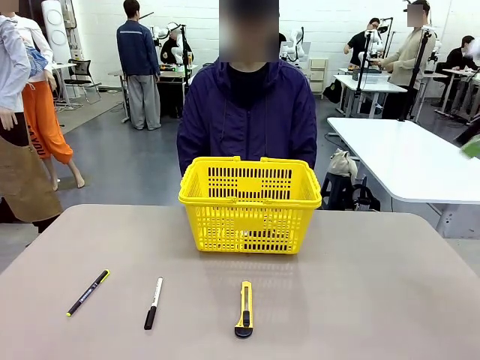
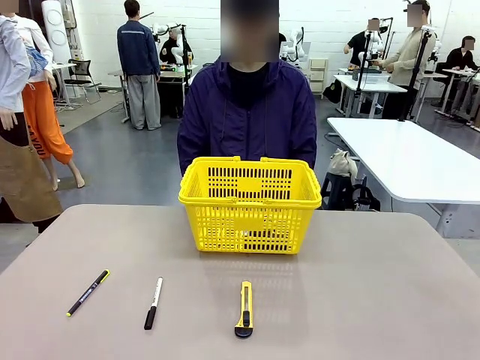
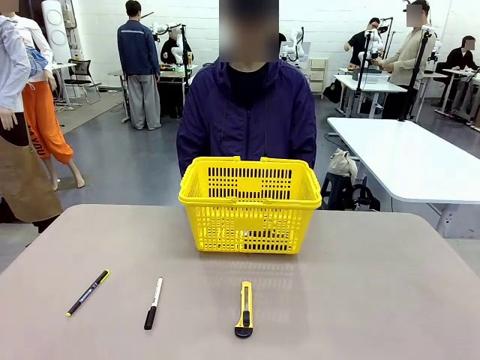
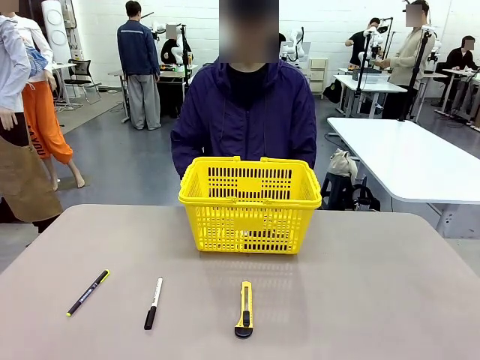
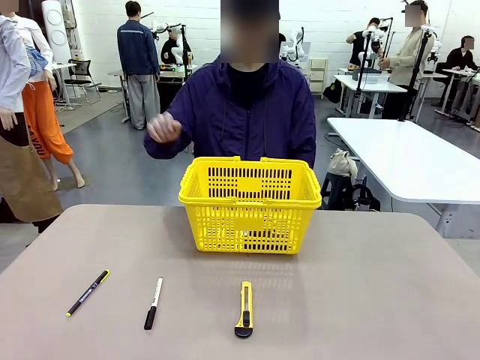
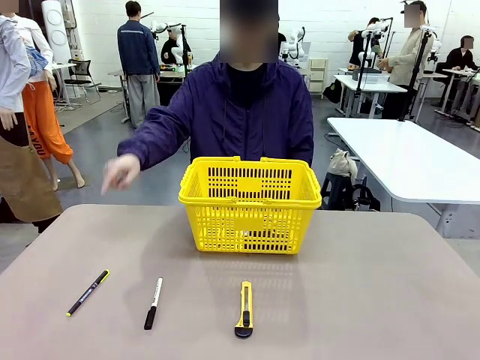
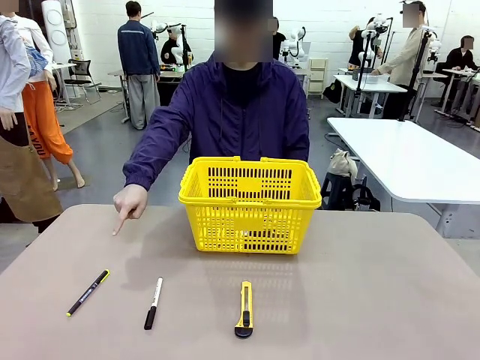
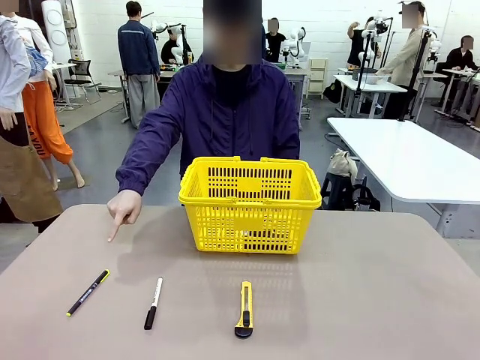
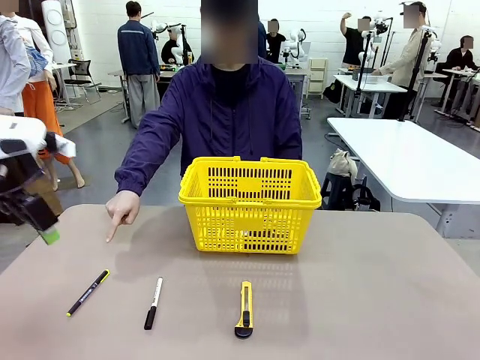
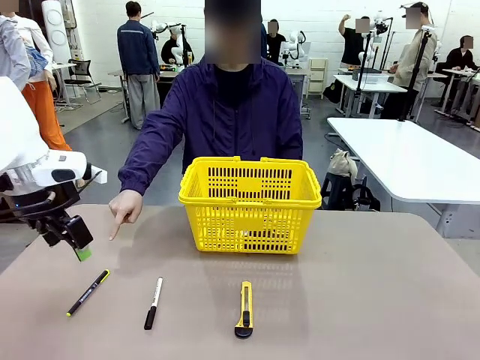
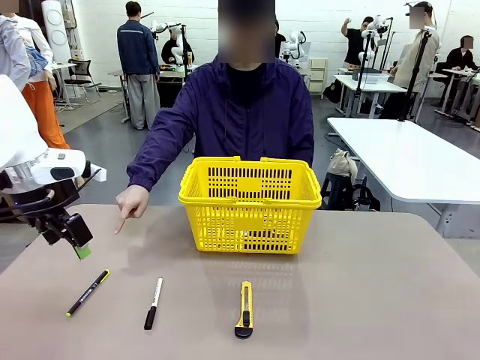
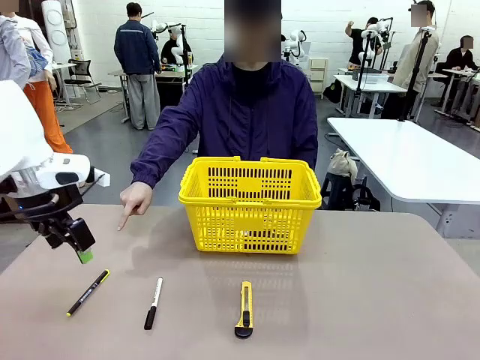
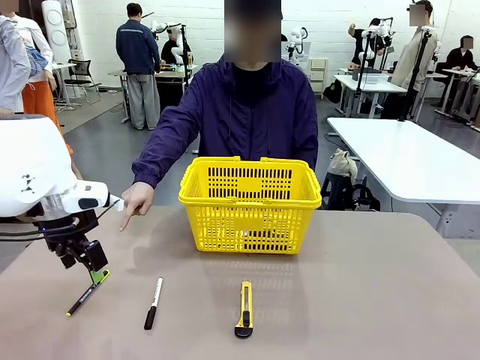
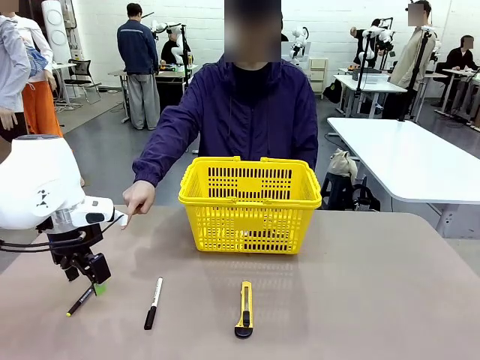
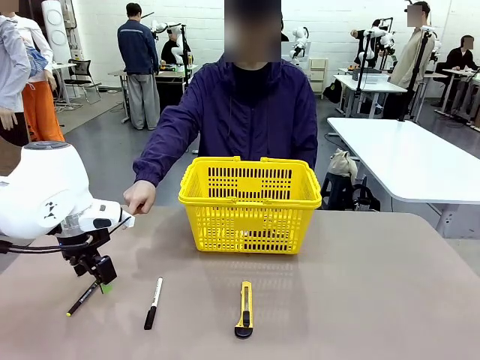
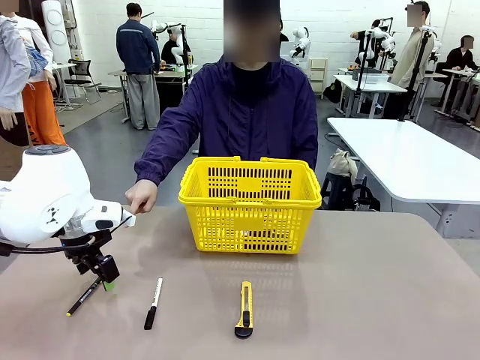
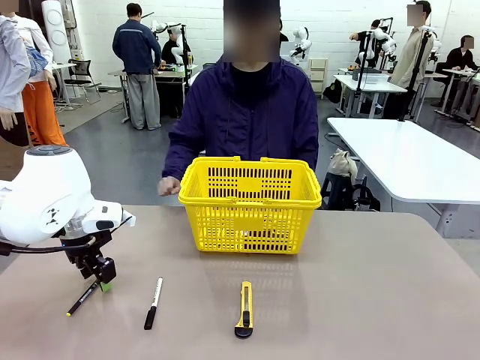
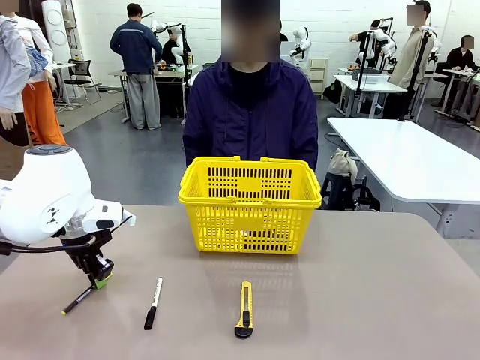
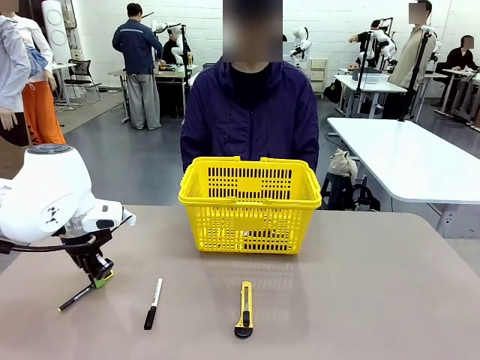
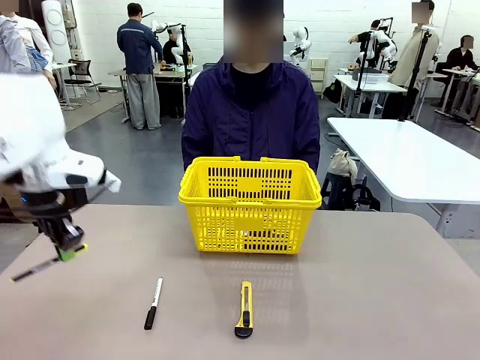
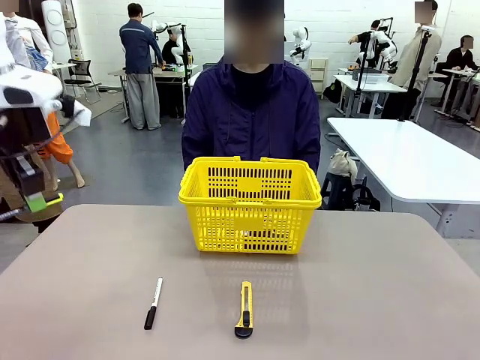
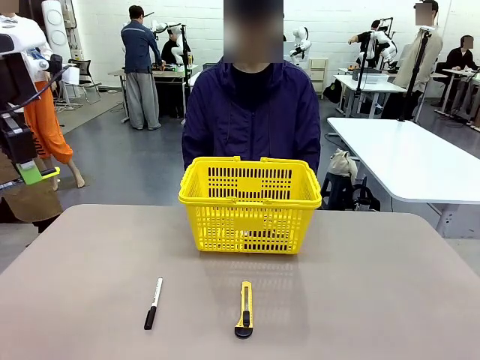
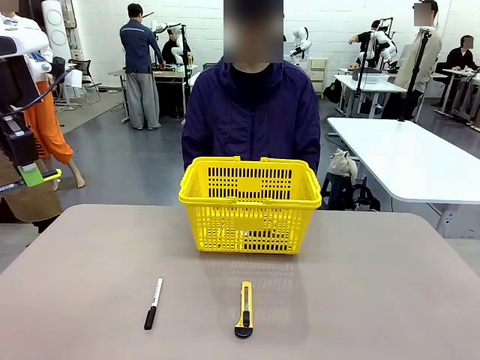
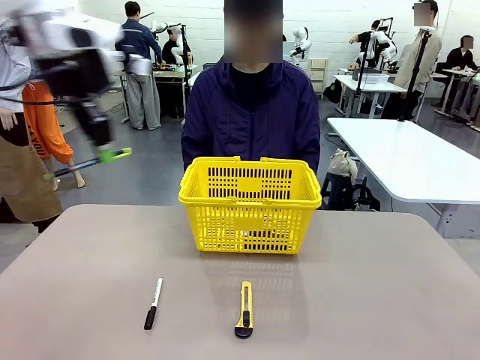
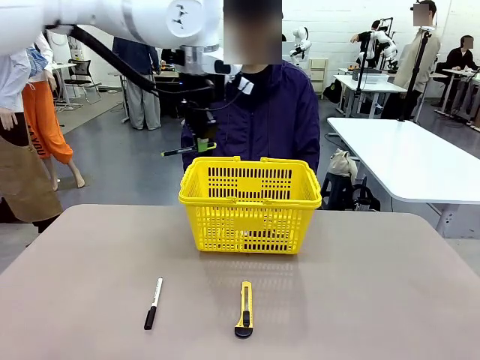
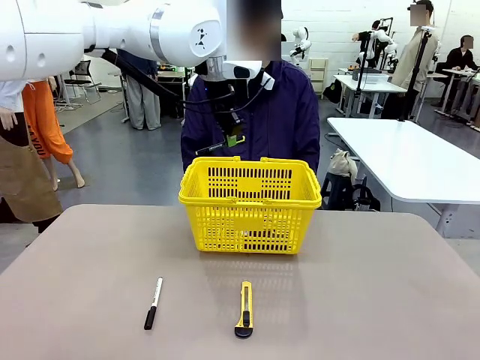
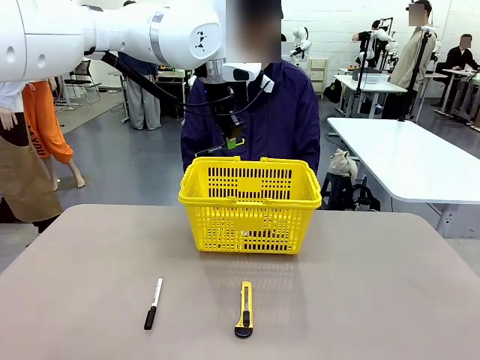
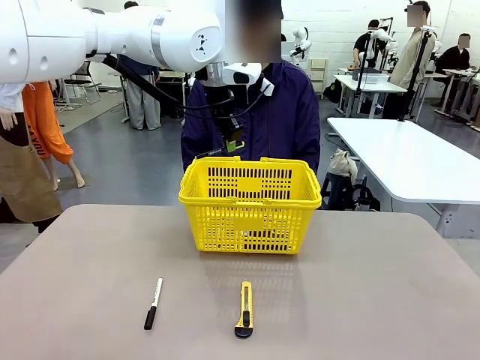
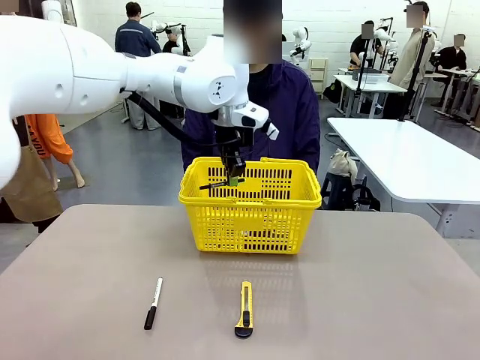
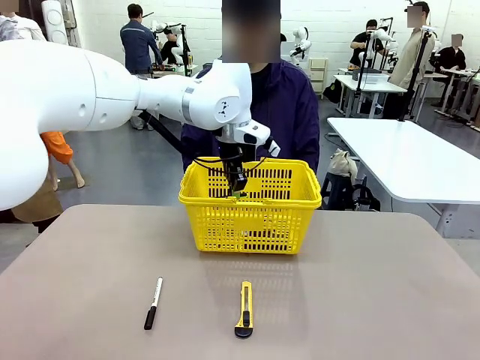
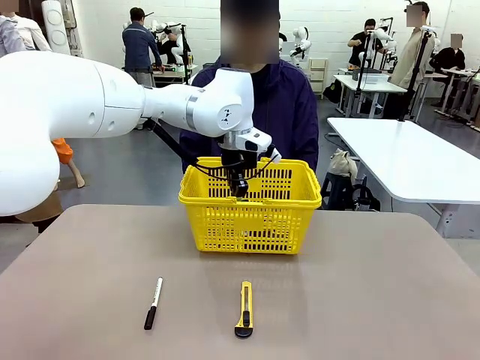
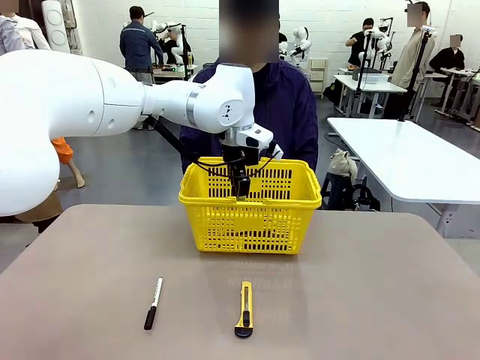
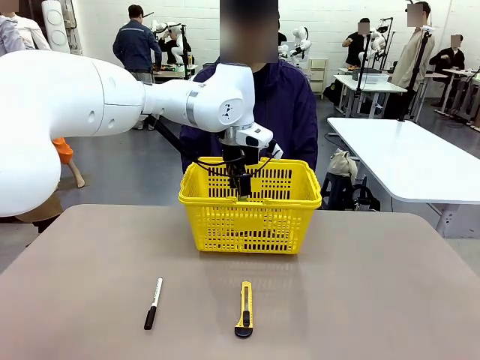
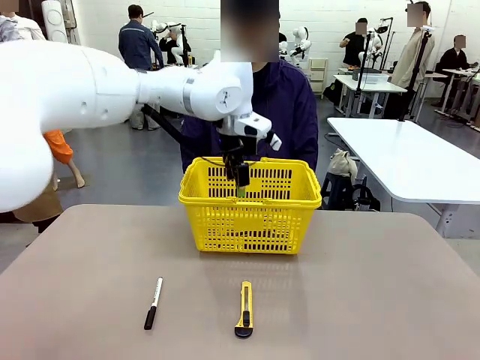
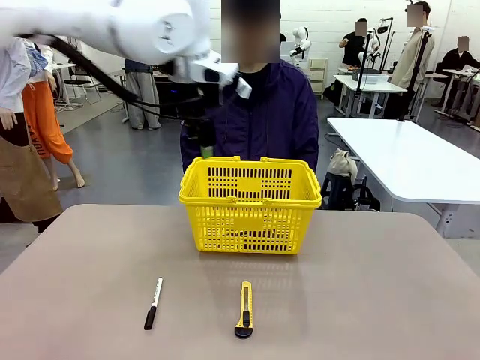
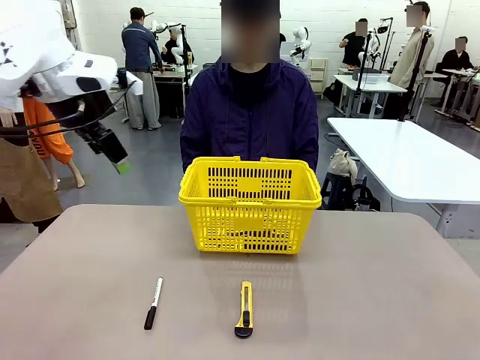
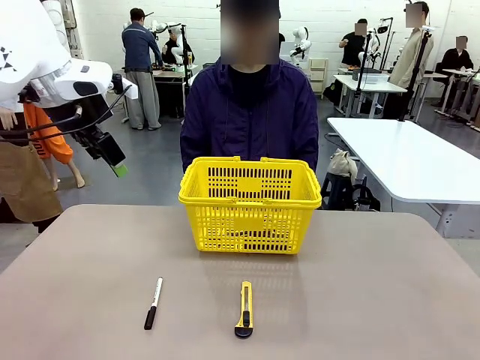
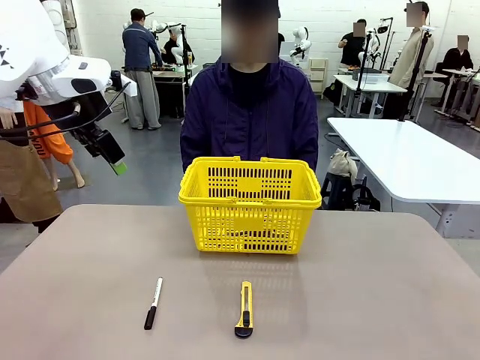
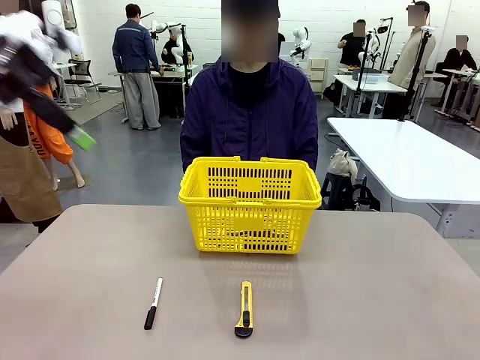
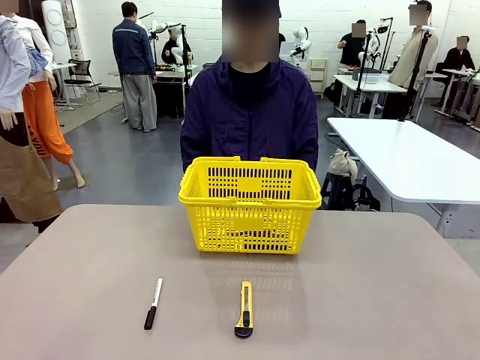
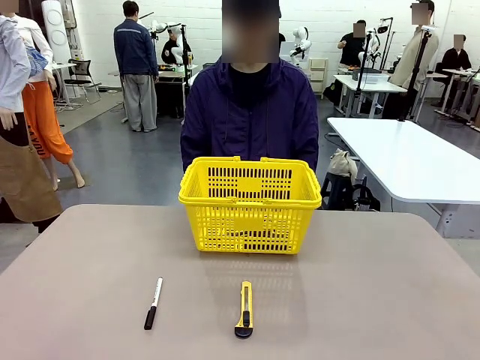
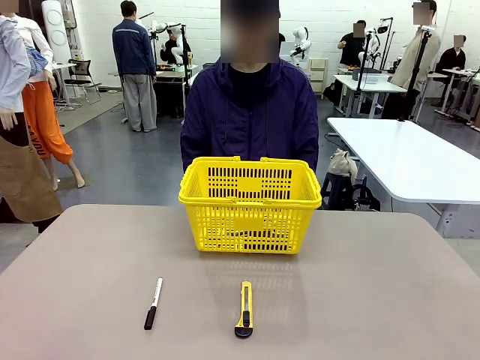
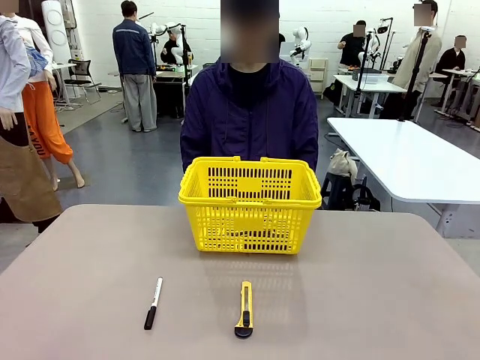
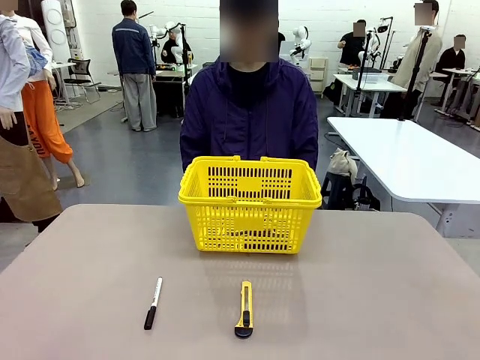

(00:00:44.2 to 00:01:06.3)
Task: Place the items the person wants into the basket.
Robot: Pick up the item the person points to and place it in the Market Basket.
